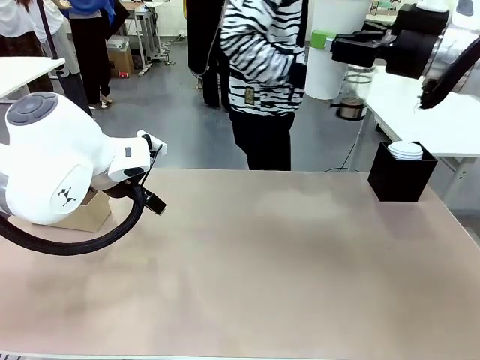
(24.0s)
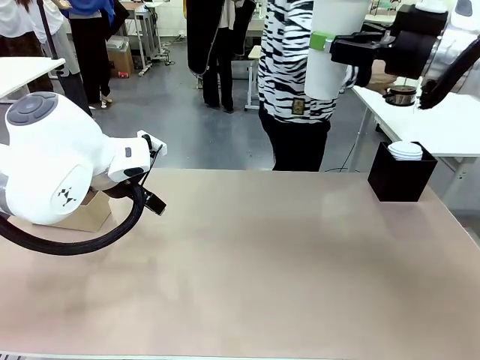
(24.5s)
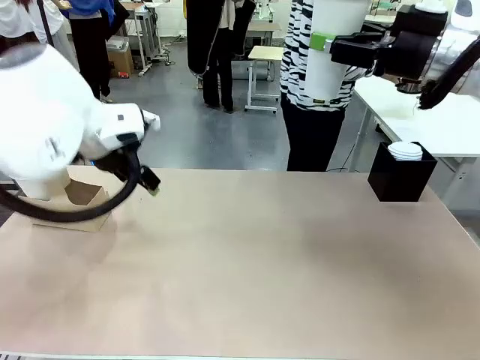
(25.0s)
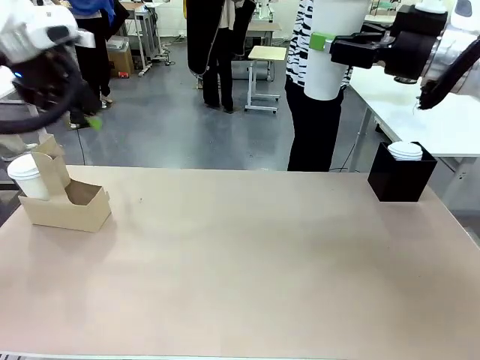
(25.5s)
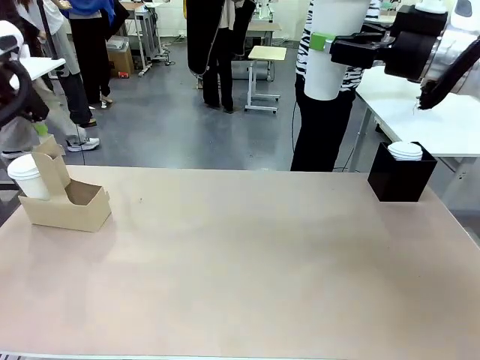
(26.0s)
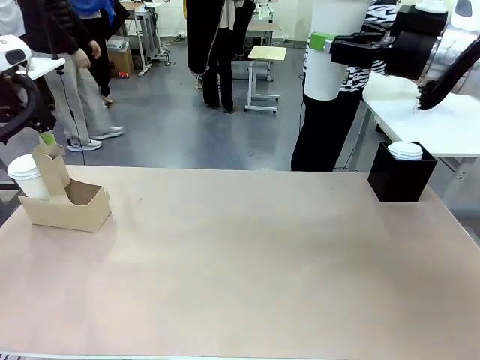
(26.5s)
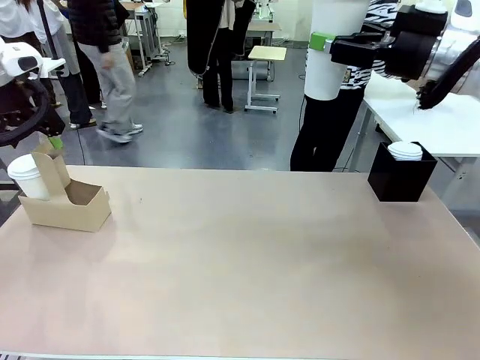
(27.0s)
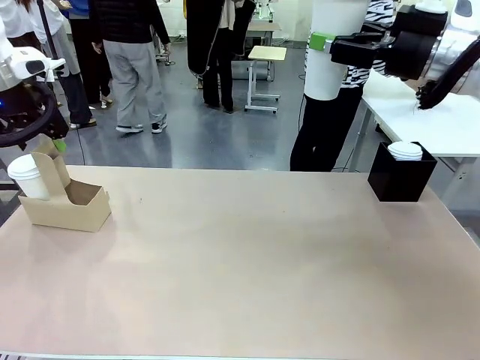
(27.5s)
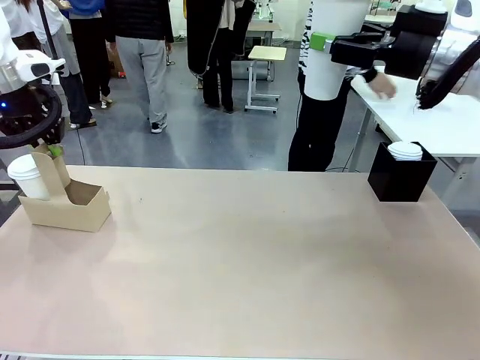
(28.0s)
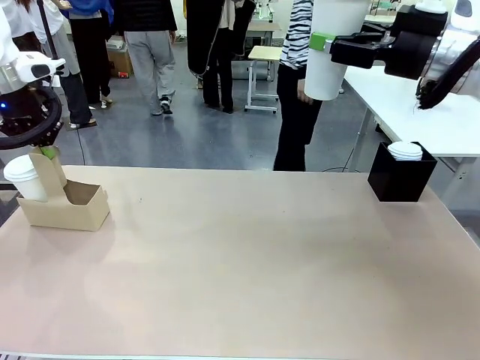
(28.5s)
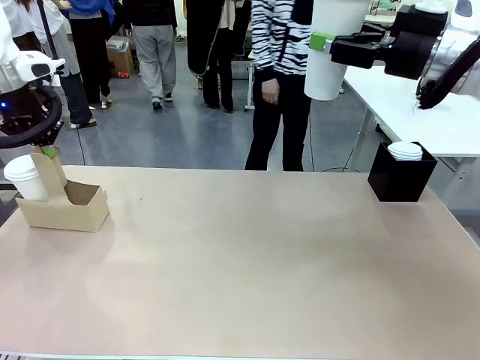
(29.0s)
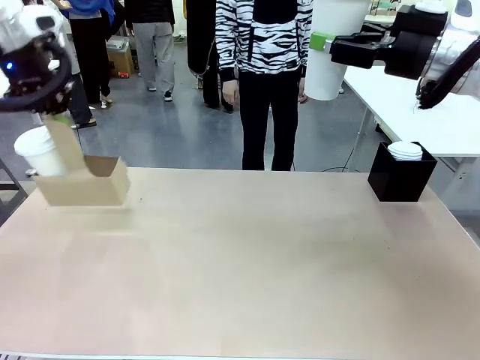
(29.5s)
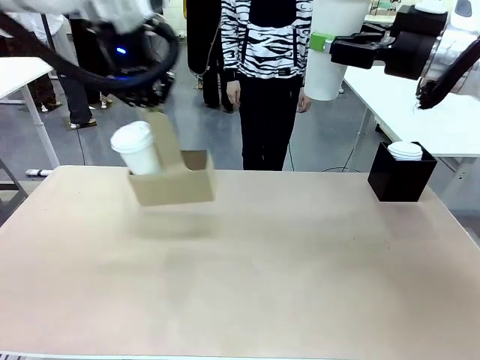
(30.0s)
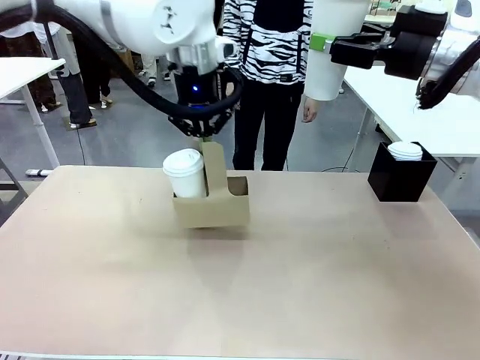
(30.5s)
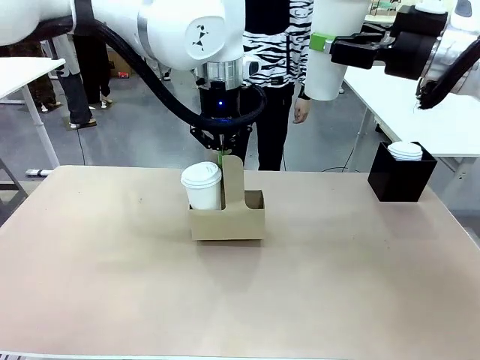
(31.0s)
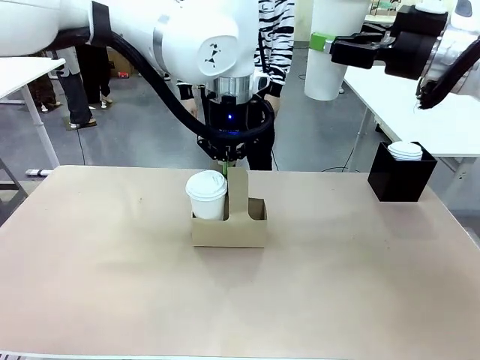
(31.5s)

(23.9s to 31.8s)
Task: Pour a drink into a cup and package it in a carrier.
Robot: Position the Cup Carrier in the center of the table.
Person: Pick up the Filter Brewing and place on the middle of Human table, and return to the Robot table.

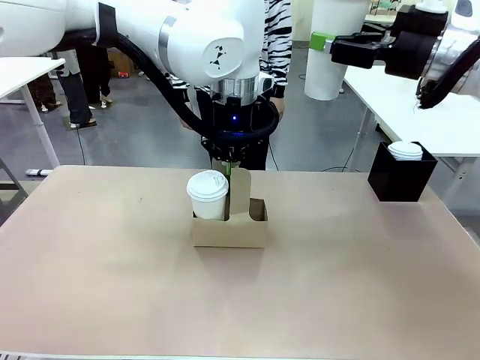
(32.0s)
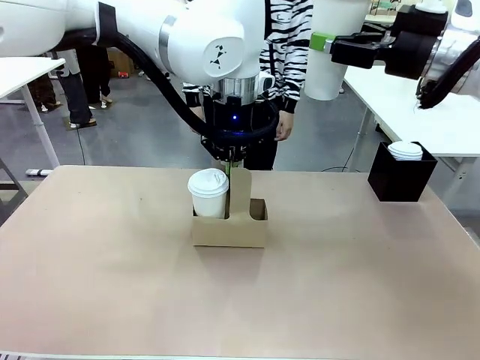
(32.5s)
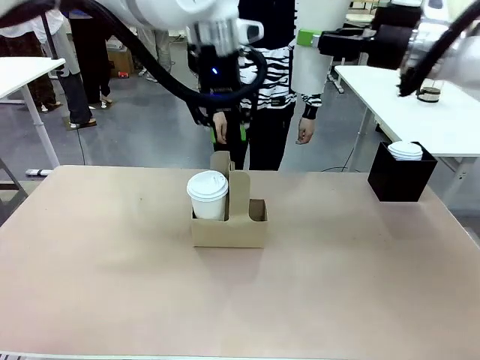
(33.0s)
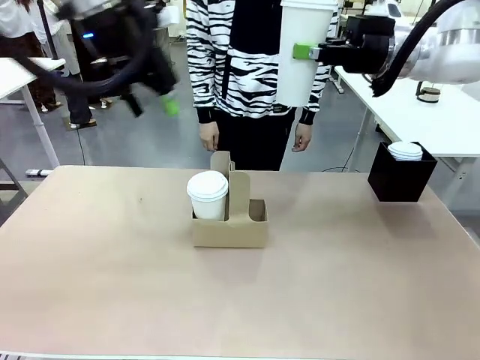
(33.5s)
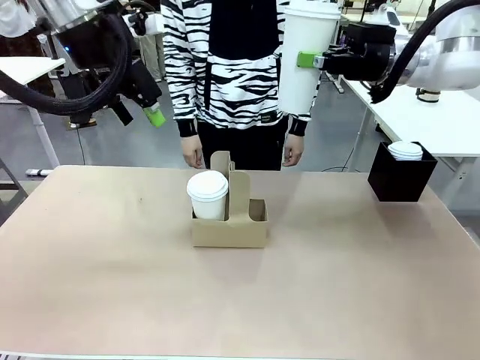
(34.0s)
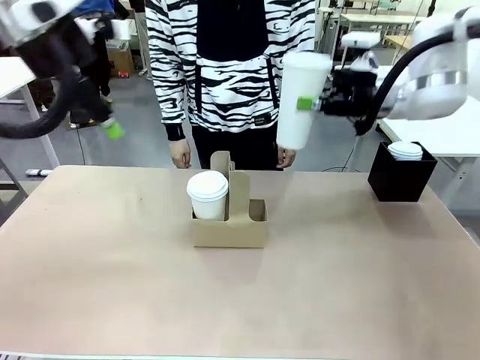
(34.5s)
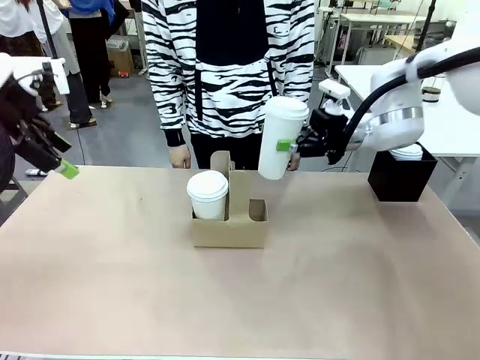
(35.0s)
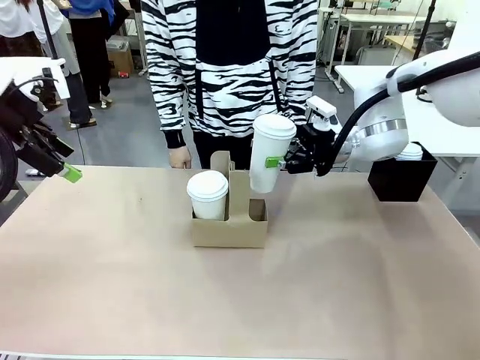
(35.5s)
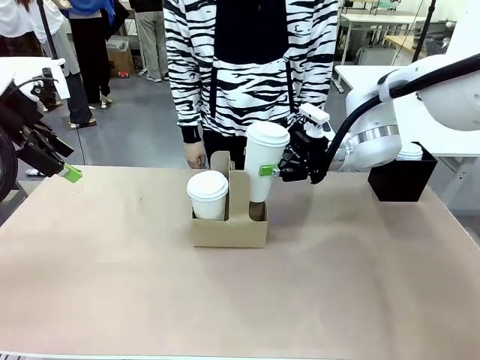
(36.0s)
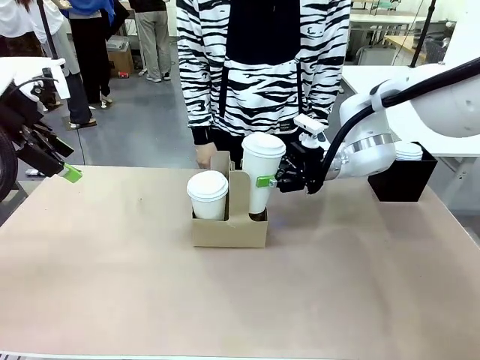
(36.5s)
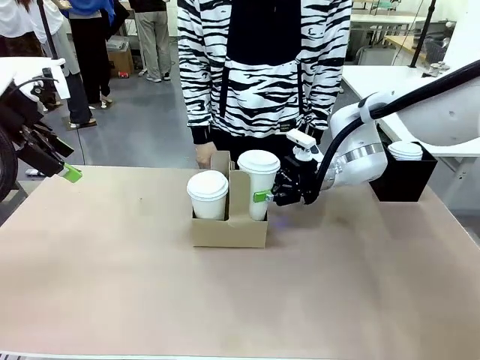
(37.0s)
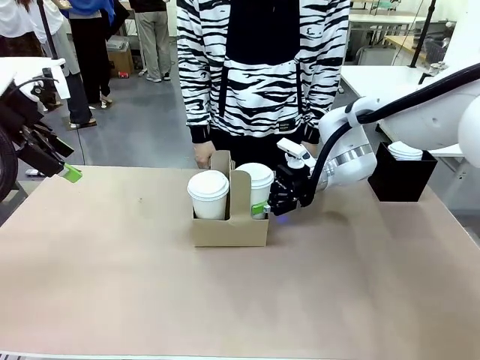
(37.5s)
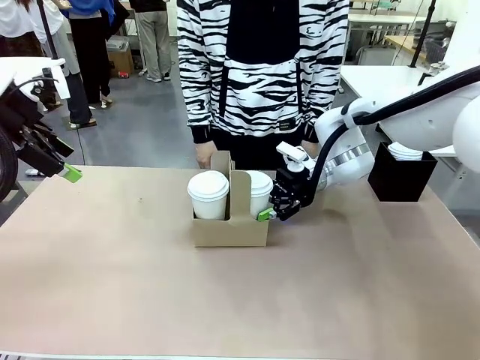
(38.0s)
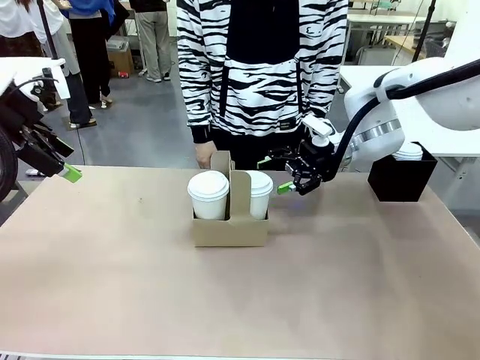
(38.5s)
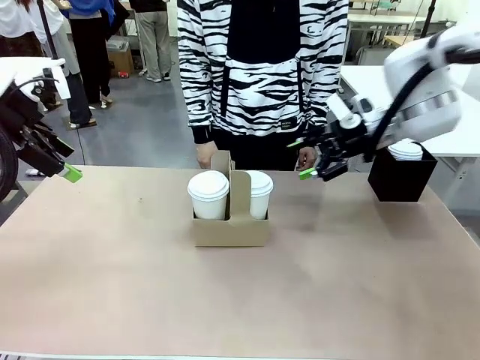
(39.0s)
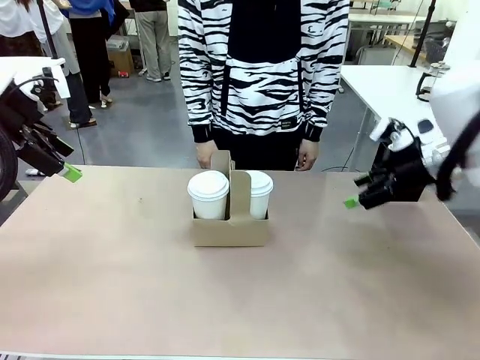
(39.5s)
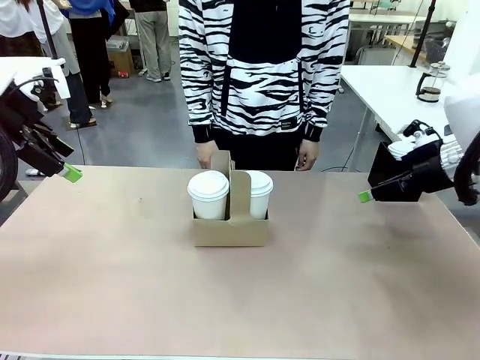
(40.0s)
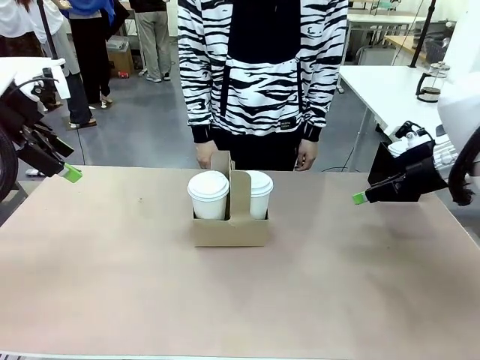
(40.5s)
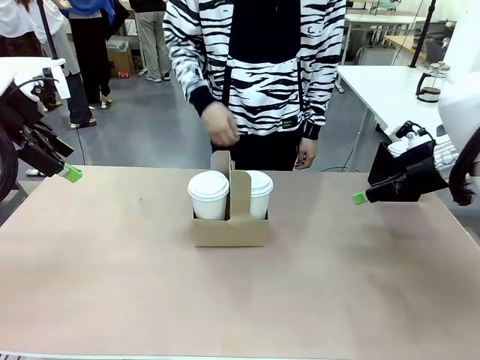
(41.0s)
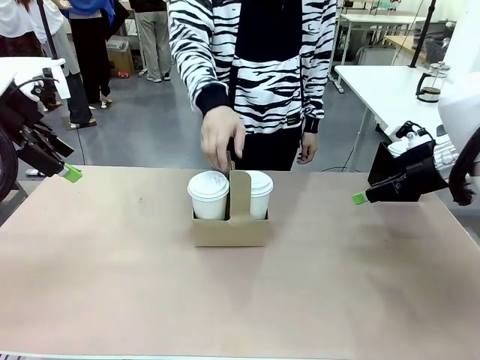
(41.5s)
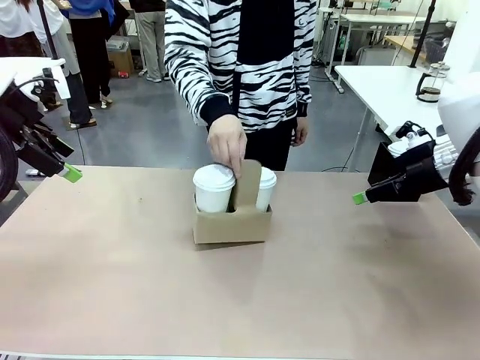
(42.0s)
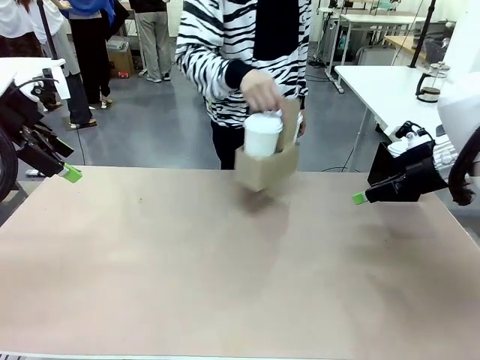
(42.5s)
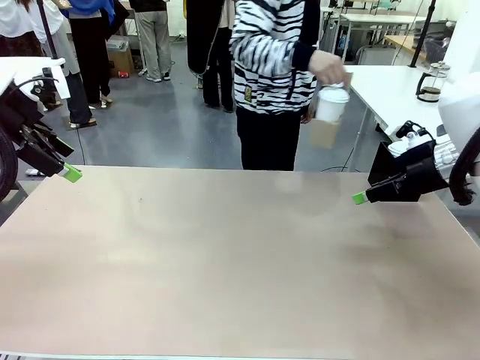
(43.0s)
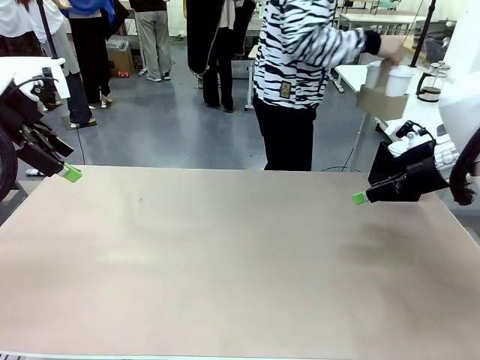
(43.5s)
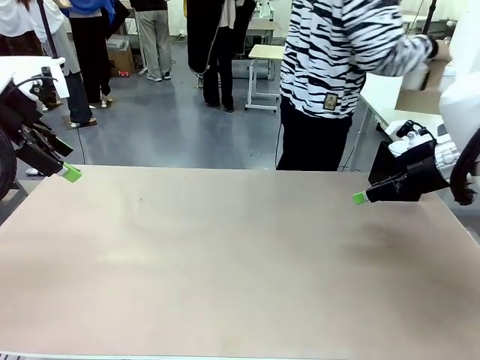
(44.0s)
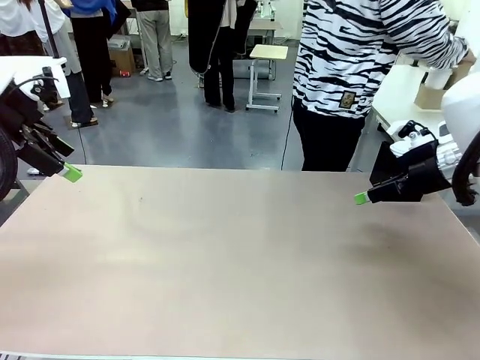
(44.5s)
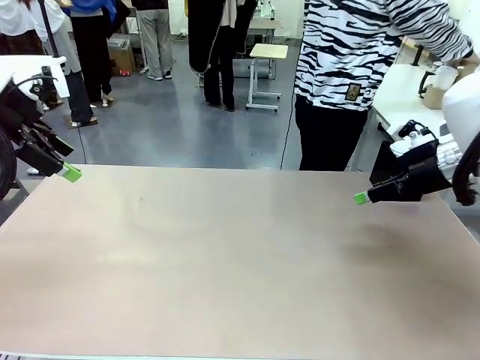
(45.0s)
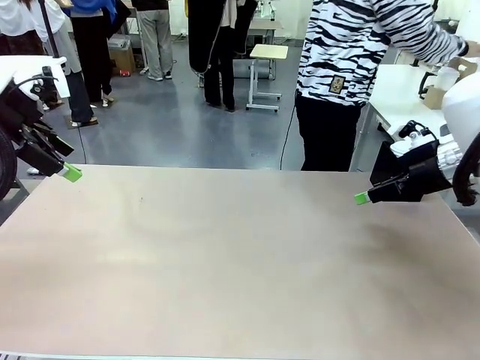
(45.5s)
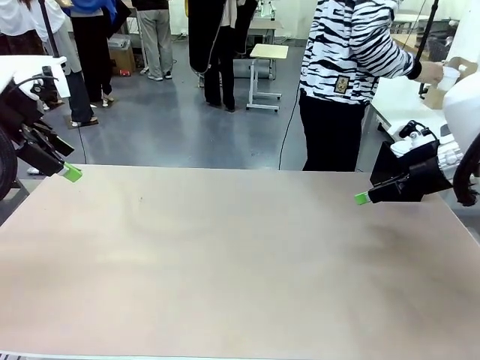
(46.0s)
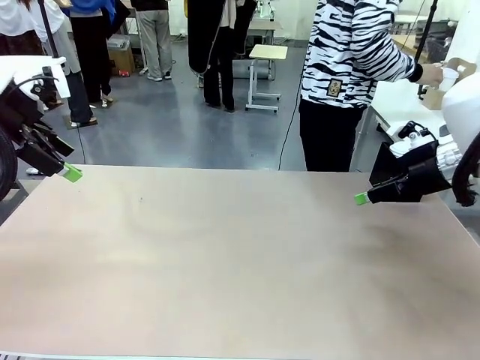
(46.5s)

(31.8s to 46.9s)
Robot: Insert the held 600 ml Paper Cup into the Cup Carrier.
Person: Place the Cup Carrier to the middle of Human table.

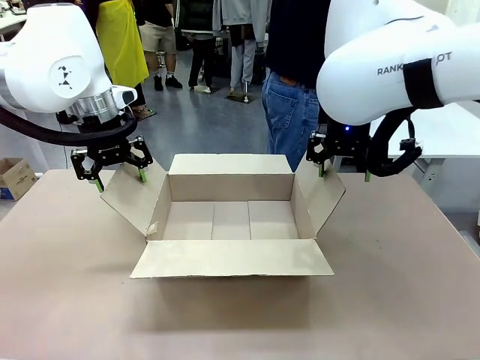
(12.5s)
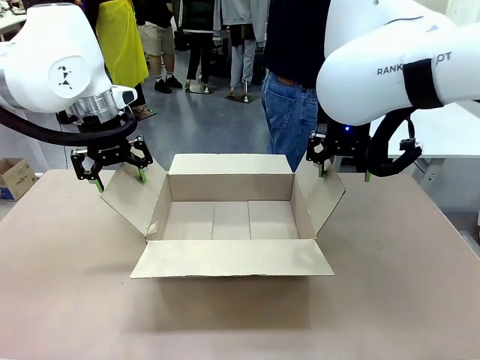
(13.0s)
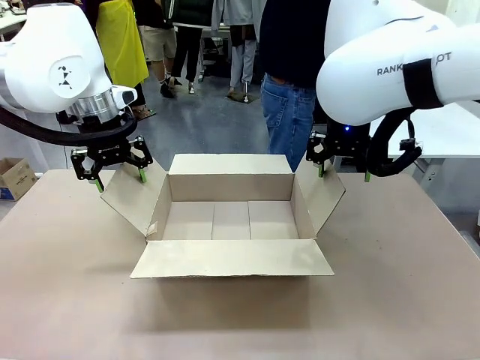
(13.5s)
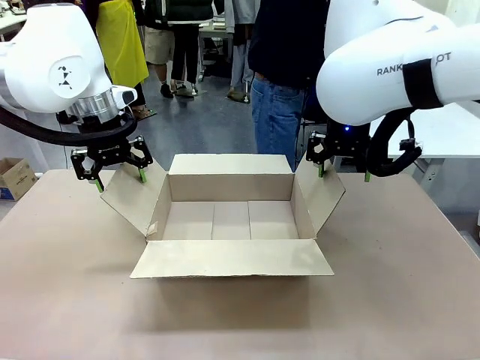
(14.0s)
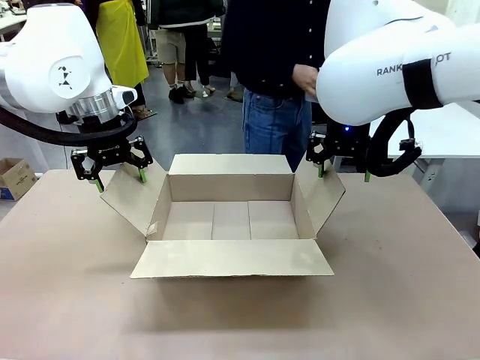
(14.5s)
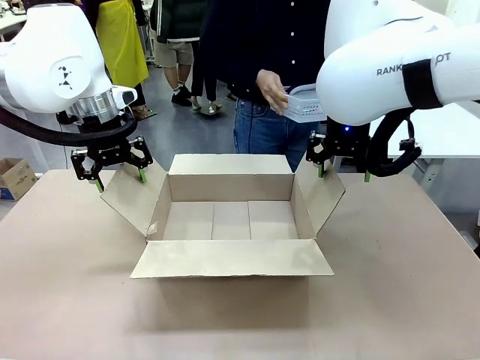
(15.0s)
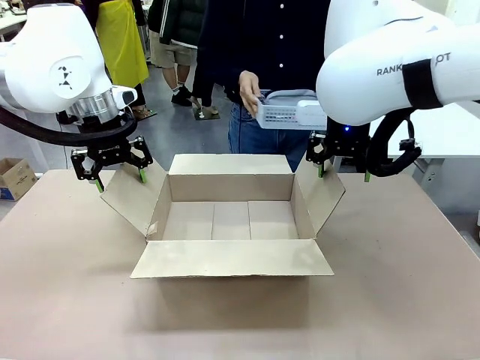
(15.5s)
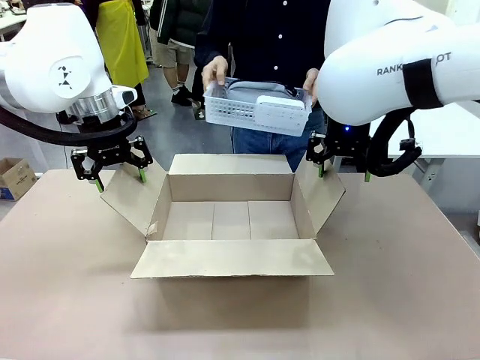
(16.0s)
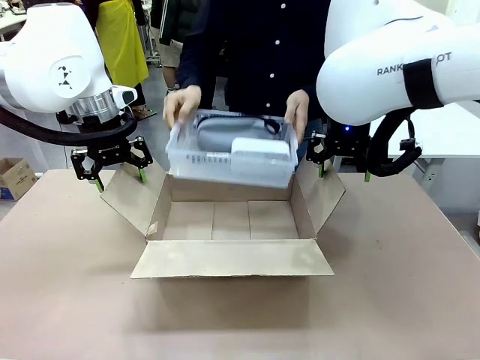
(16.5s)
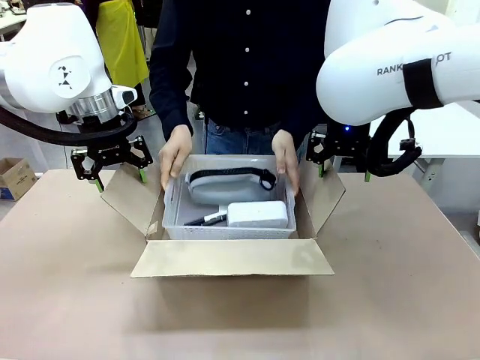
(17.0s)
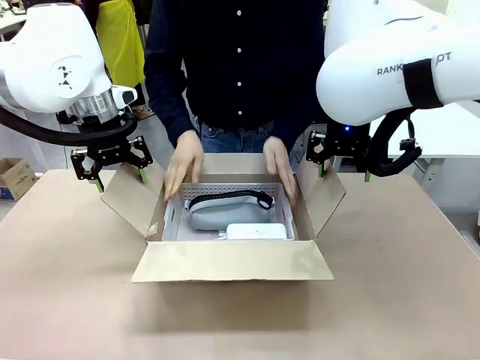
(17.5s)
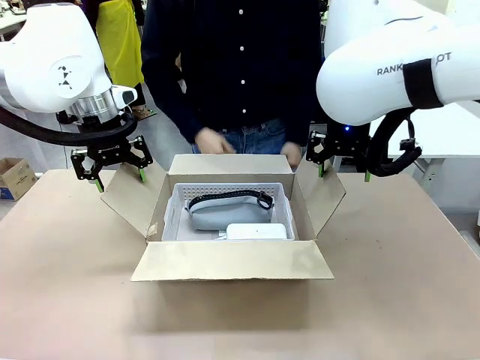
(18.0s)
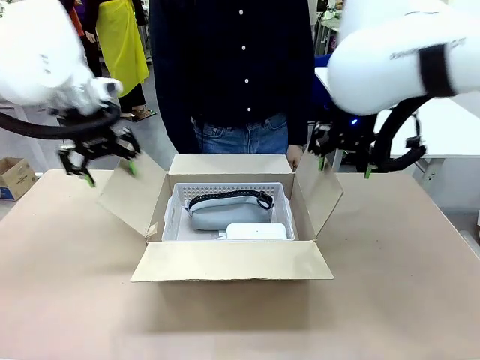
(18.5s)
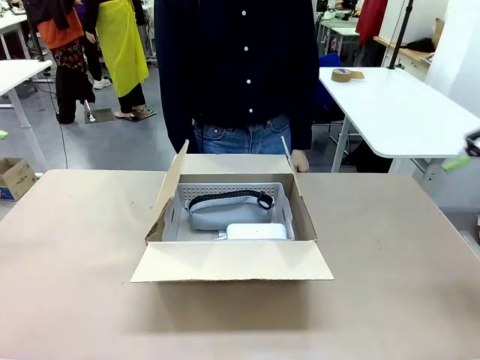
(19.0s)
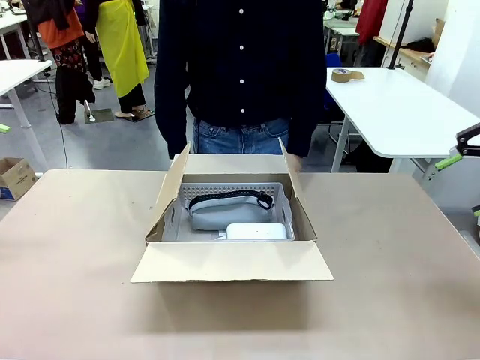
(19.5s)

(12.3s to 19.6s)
Task: Pack the gift set into the box.
Robot: Lift both hands away from the flaps of the Package Box.
Person: The human picks up the organizing basket and places the organizing basket into the package box on the robot table.
